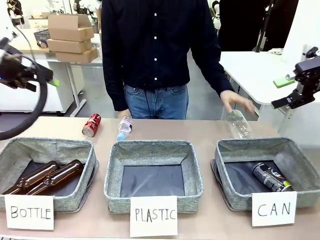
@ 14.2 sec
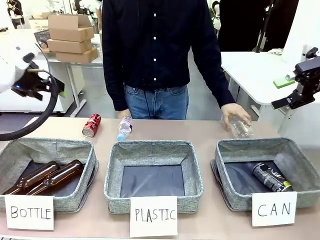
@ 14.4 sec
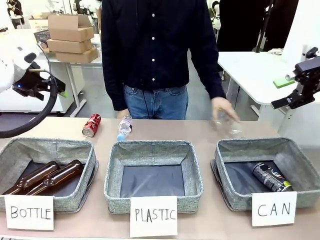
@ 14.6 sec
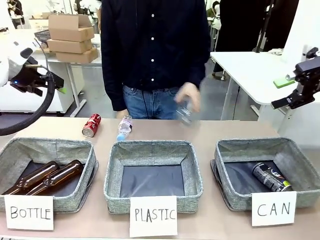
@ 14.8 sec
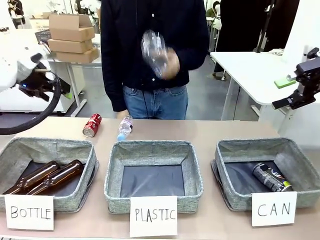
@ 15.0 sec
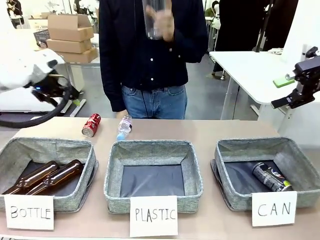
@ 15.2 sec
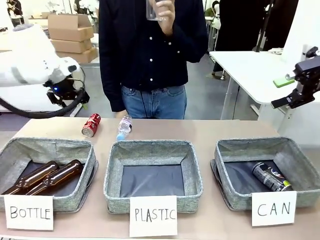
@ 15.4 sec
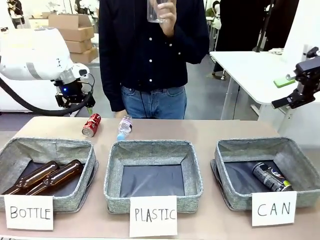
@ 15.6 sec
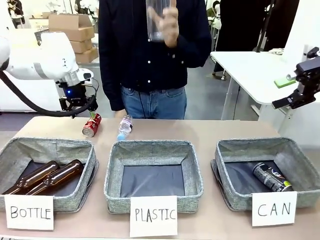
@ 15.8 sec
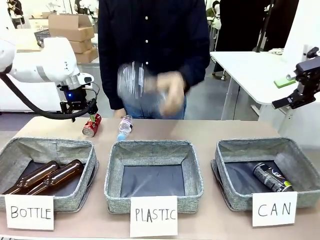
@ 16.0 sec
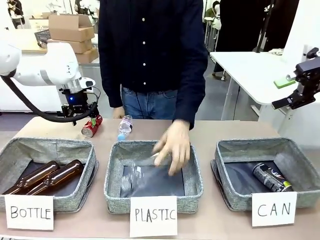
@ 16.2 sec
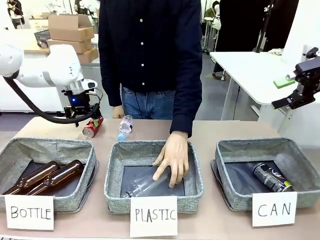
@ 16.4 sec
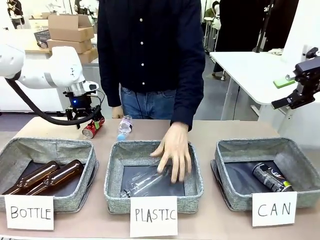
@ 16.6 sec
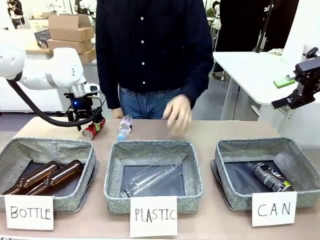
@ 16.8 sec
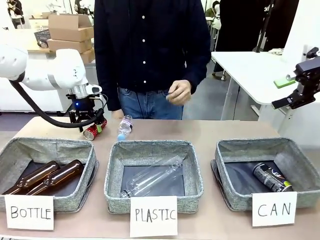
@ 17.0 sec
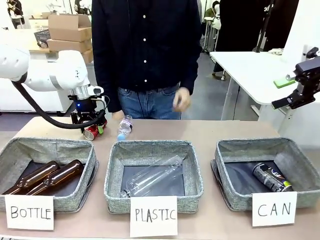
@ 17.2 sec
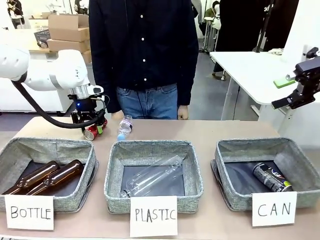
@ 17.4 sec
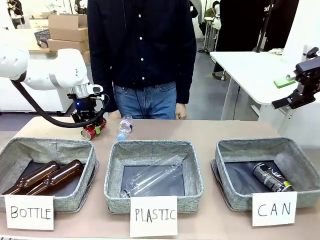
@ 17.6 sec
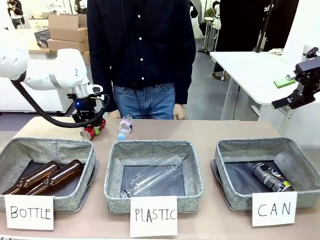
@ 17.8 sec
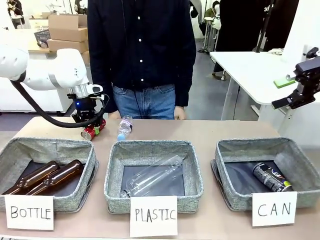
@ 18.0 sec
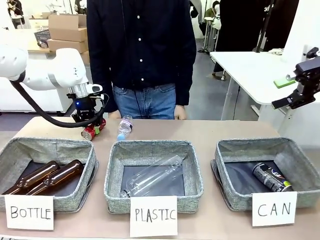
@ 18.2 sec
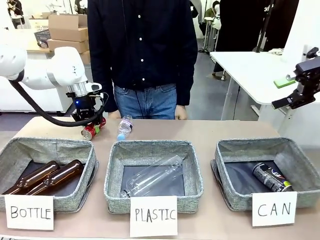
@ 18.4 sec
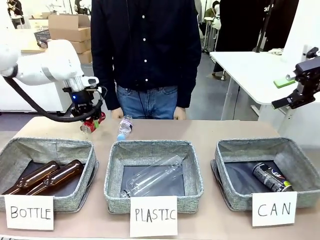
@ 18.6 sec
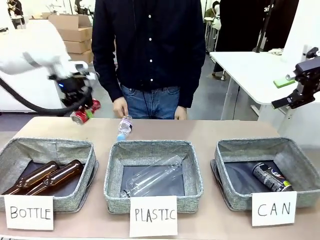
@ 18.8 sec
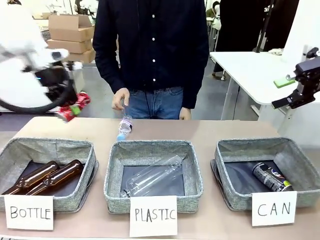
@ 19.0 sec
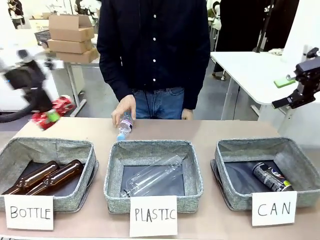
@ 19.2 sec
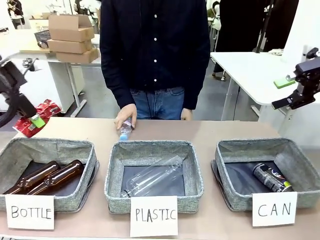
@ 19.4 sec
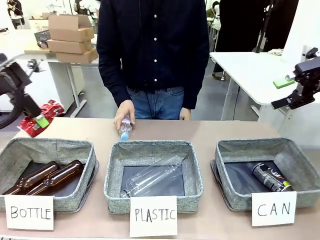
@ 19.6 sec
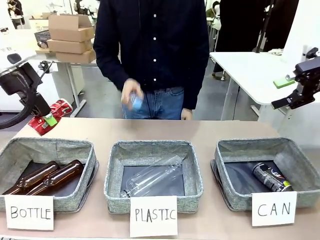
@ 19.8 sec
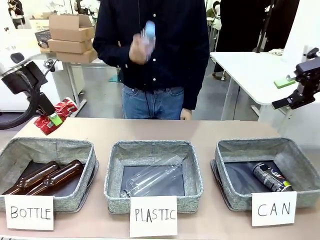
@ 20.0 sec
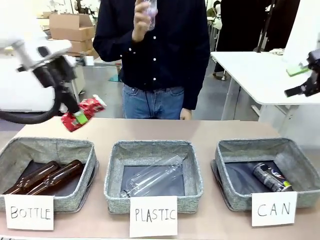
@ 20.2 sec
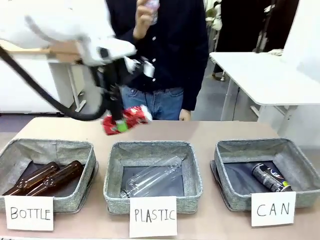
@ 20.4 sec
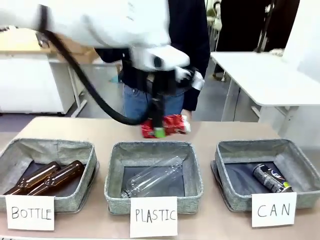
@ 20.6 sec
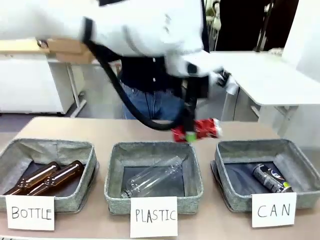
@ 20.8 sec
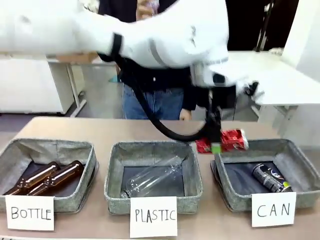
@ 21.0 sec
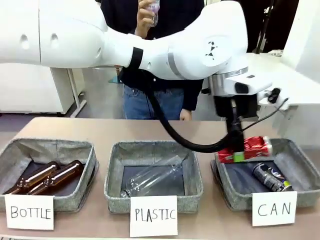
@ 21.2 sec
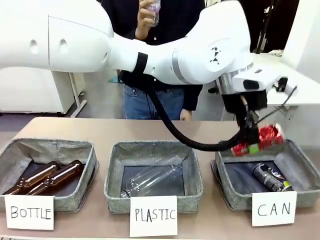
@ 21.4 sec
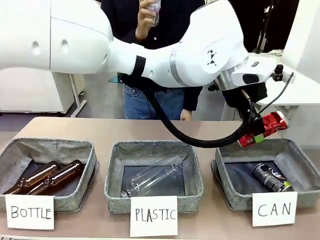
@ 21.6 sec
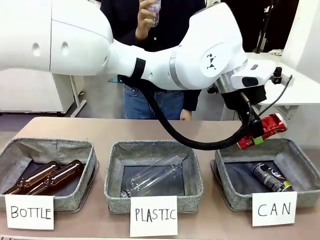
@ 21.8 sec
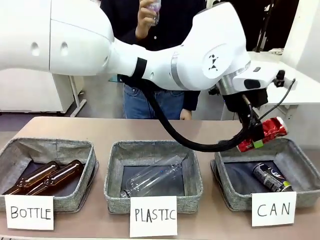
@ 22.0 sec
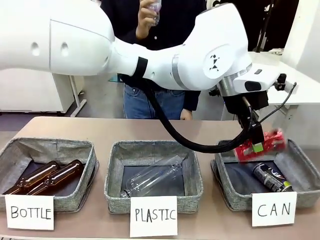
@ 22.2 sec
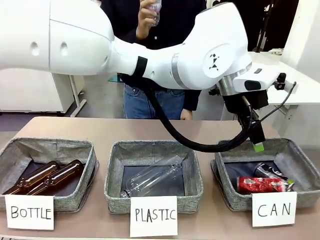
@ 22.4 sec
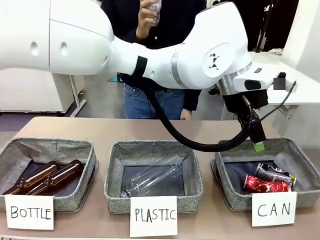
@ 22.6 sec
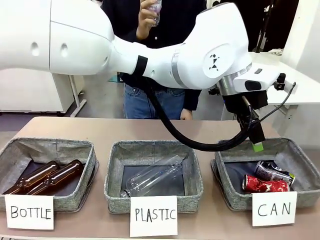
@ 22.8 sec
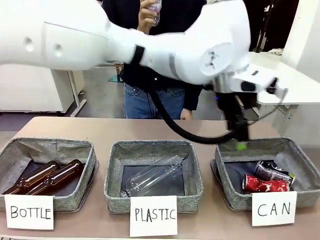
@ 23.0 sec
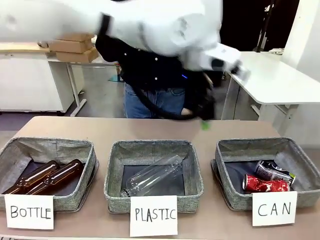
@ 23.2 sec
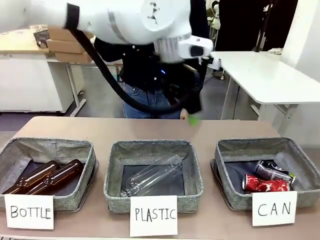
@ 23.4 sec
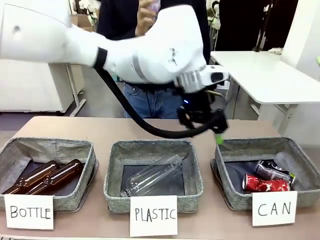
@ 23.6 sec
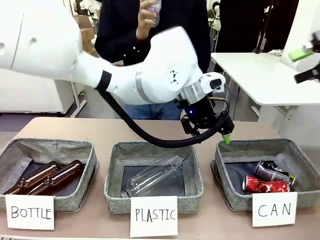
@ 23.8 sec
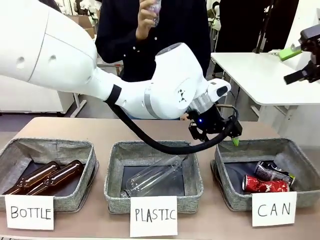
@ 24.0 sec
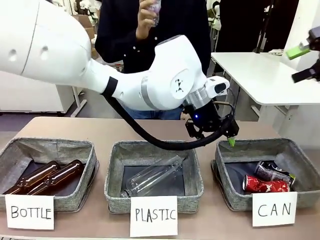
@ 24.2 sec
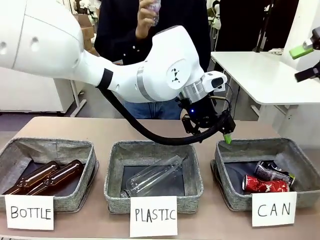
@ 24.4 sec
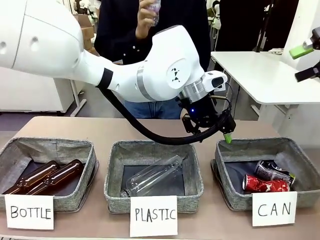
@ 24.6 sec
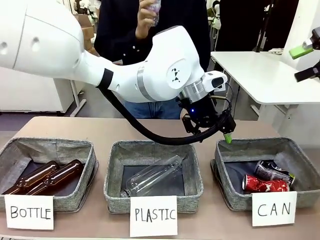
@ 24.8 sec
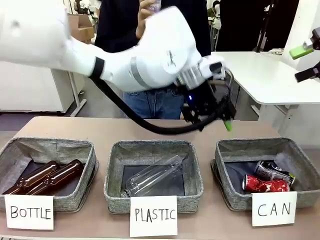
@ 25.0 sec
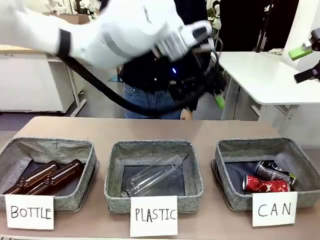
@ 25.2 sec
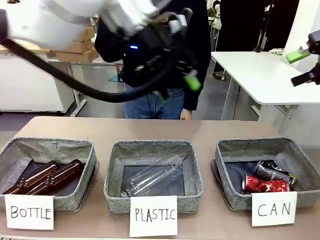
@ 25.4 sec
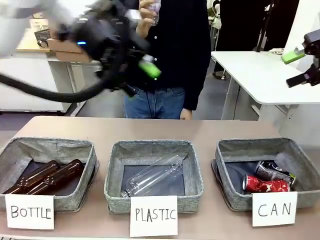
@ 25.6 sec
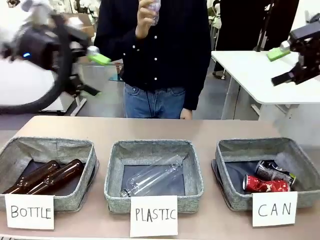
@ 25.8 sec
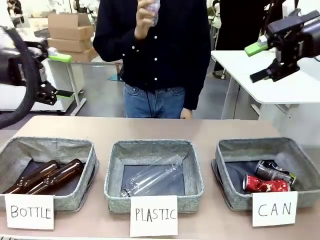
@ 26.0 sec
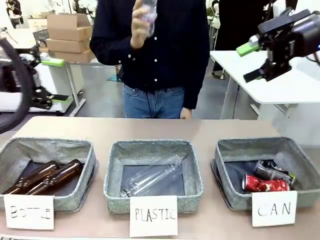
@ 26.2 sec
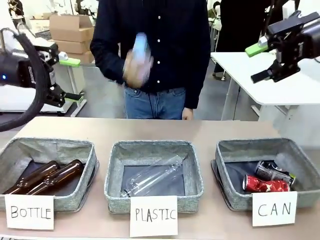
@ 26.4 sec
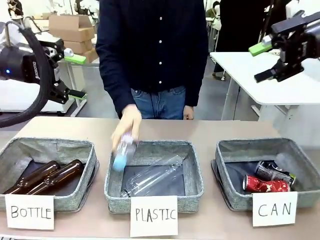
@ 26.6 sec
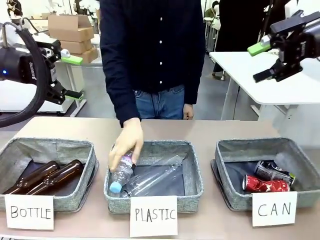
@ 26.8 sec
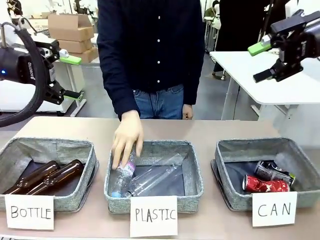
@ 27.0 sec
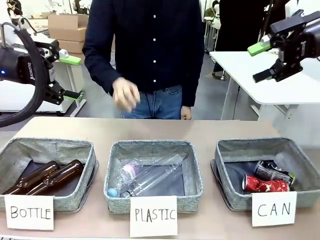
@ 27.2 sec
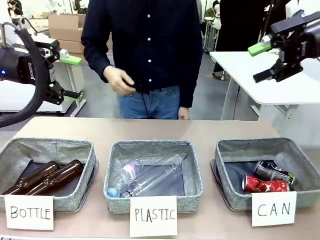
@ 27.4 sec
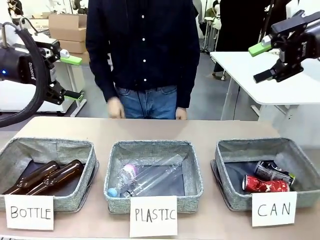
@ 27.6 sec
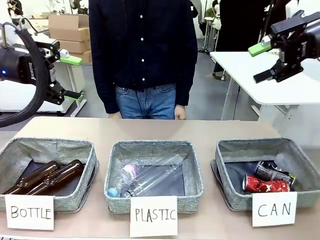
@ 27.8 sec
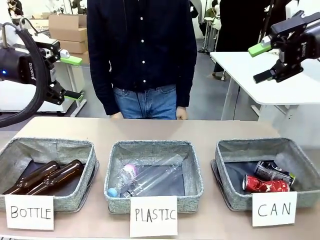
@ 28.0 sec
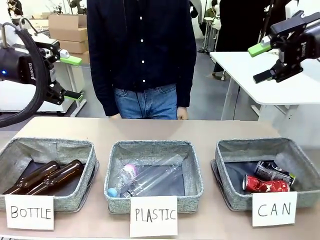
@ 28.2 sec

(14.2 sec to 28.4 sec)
Task: Sort the can waste into the basket.
Robot: Pick up the can waste from the table and place it in the right Fabric basket.

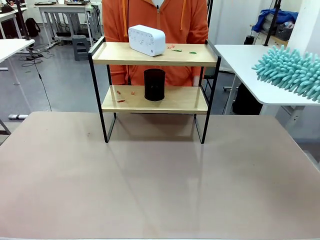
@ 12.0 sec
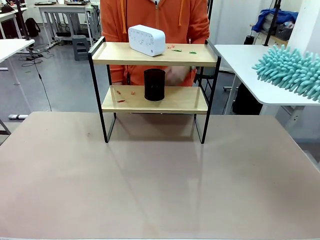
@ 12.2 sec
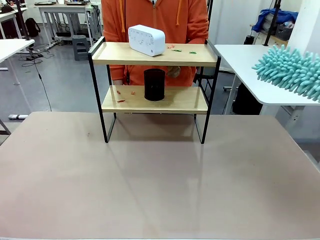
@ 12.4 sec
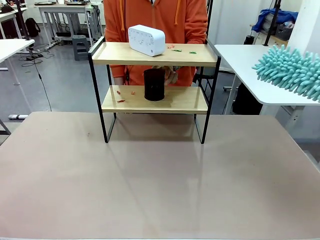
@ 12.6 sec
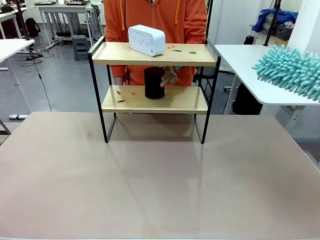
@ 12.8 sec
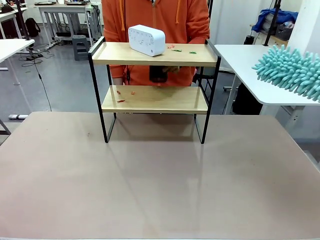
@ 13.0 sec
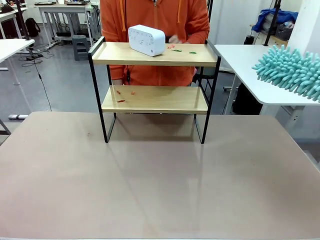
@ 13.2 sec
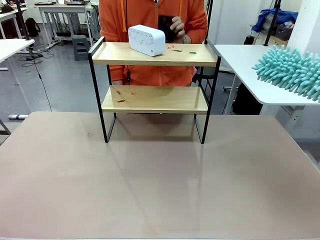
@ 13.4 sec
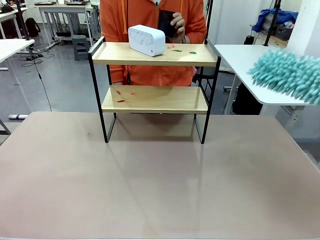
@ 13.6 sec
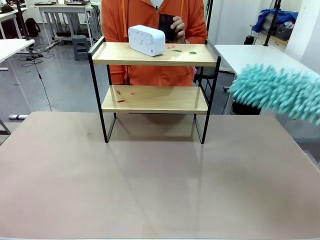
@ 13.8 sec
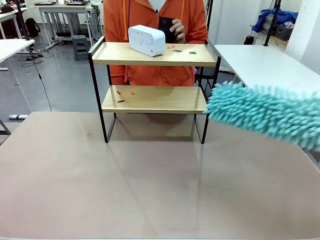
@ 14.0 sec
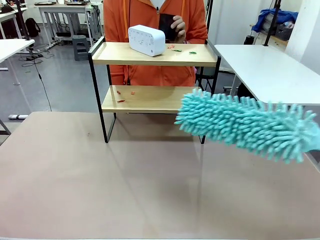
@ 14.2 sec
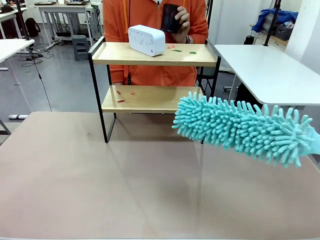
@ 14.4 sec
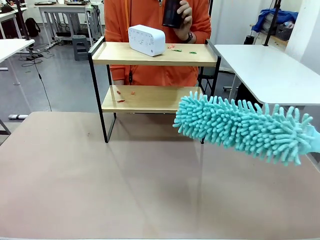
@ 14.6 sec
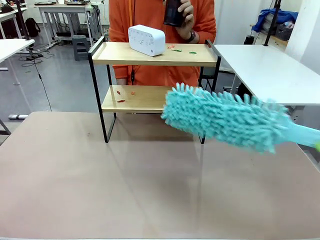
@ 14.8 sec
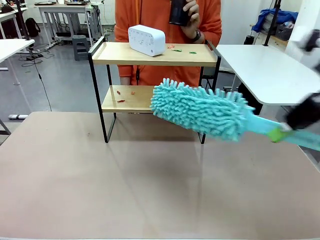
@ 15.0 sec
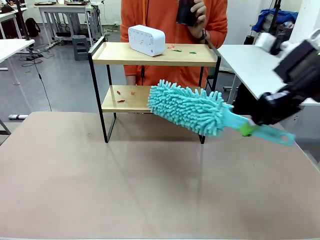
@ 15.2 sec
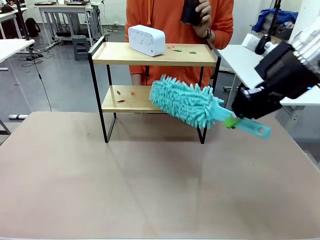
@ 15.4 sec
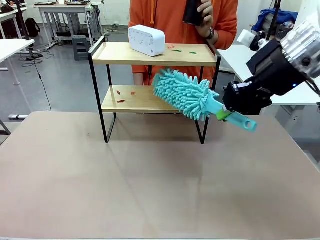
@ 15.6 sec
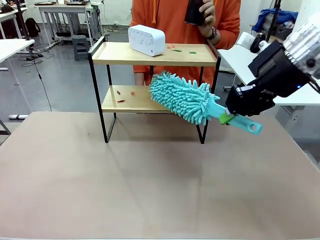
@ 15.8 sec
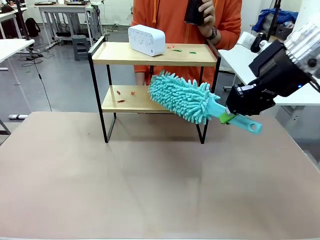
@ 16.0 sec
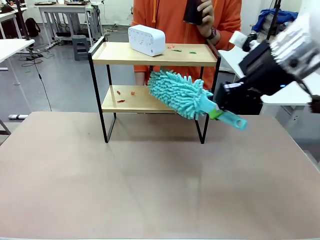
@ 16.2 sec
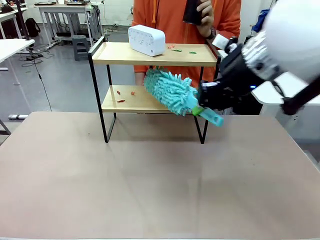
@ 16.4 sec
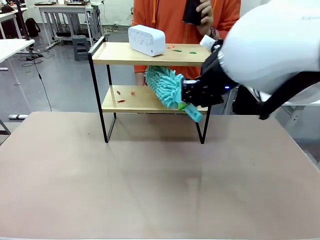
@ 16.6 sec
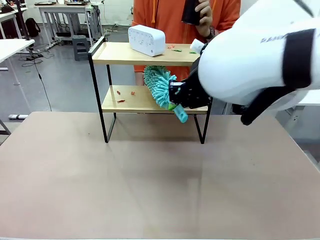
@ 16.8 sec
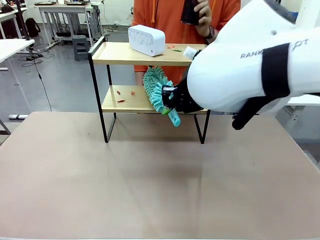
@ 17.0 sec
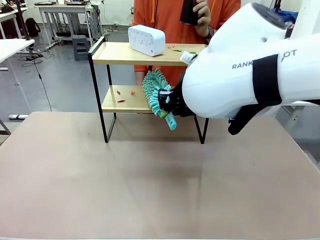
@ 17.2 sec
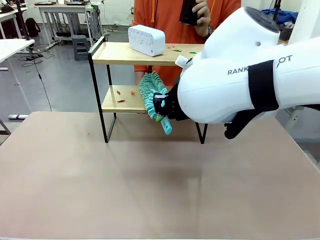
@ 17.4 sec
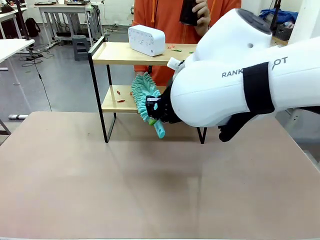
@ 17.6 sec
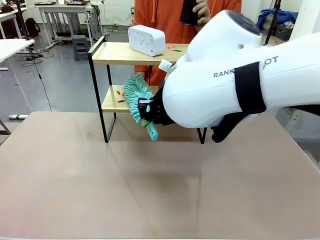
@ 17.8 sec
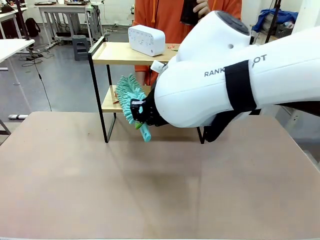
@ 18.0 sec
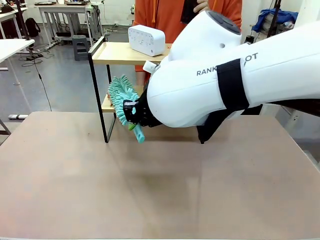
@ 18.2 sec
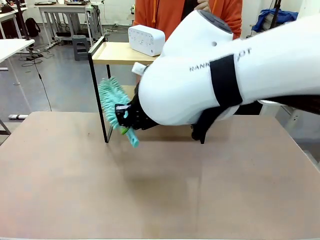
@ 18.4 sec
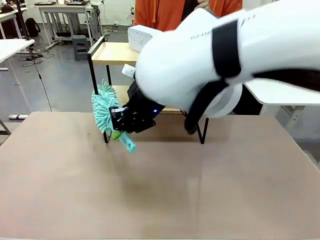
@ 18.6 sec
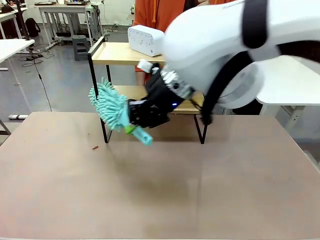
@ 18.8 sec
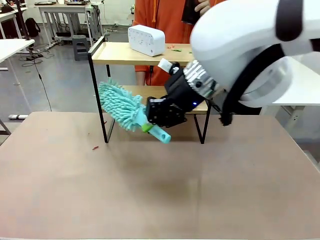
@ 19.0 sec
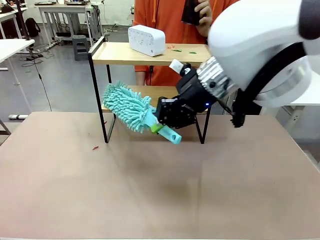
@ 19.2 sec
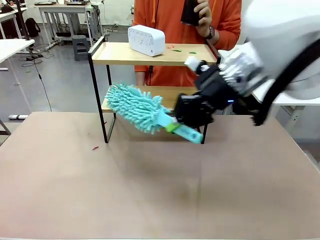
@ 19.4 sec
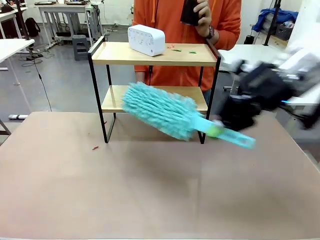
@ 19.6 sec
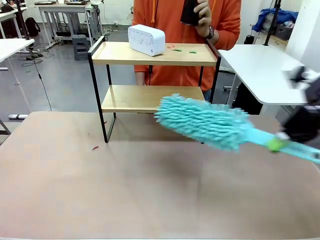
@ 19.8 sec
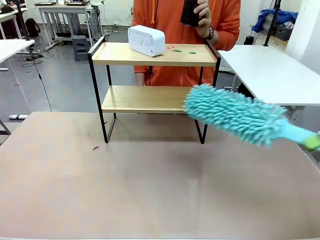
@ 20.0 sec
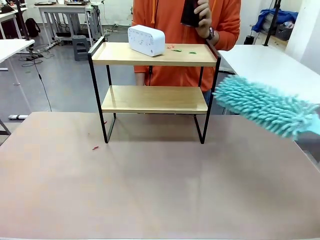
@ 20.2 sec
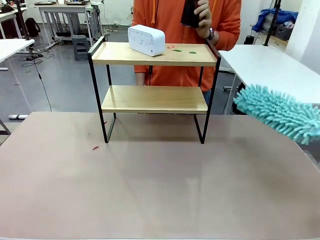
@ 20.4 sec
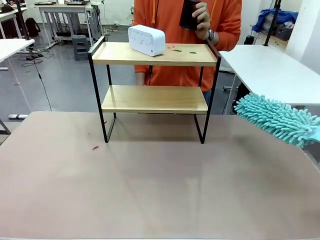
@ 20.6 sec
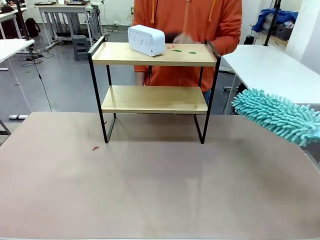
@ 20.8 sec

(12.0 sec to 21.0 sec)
Task: Clean the shelf.
Robot: Clean the specific tier of the Shelf with the Duster once objects are removed.
Person: Lift the objects on a randomly selected tier of the Shelf. Once the robot finishes cleaning, lift the objects on the remaining tiers of the Shelf.
